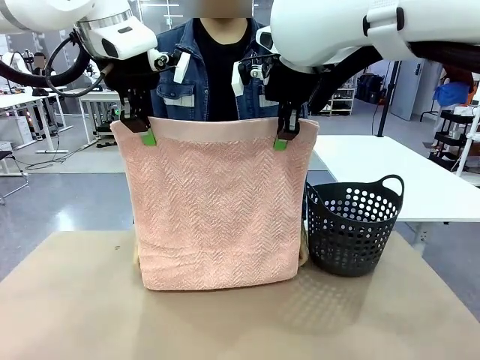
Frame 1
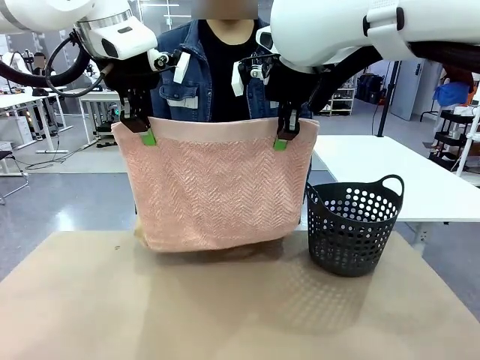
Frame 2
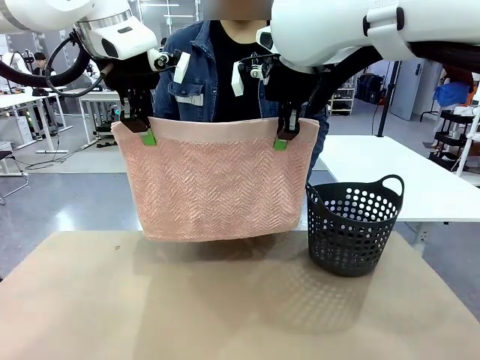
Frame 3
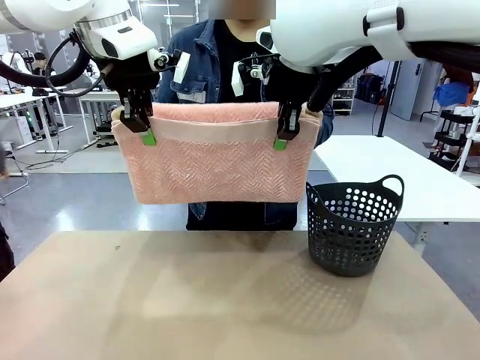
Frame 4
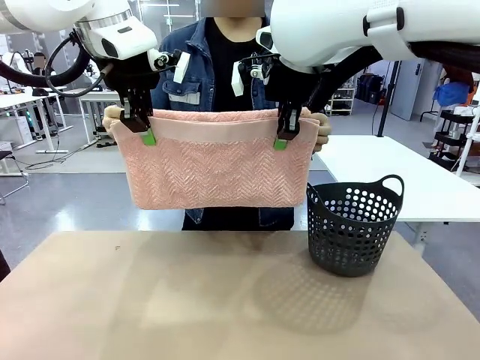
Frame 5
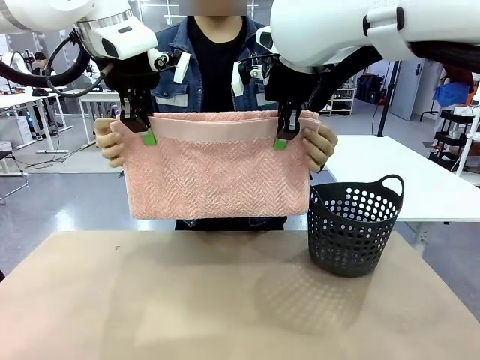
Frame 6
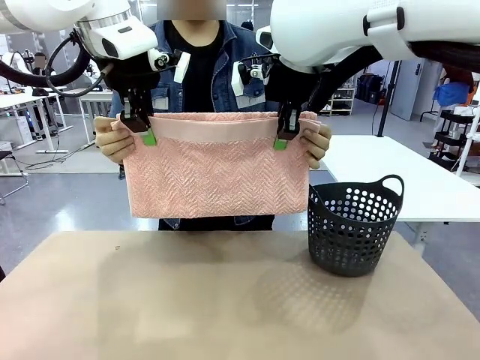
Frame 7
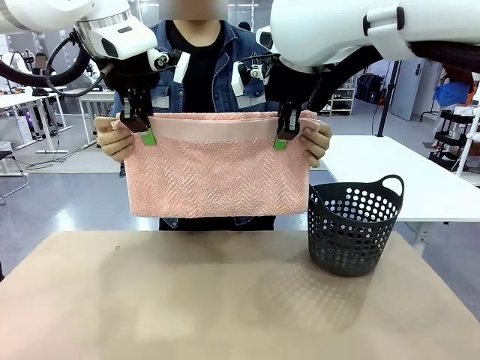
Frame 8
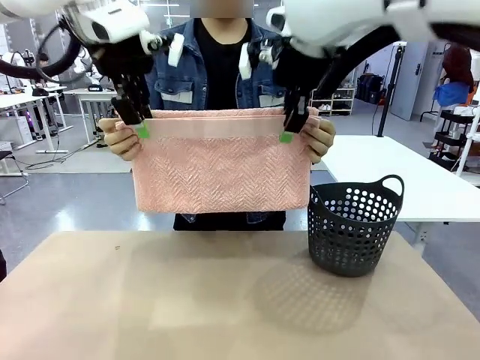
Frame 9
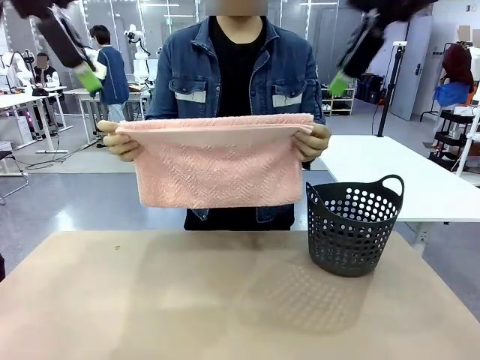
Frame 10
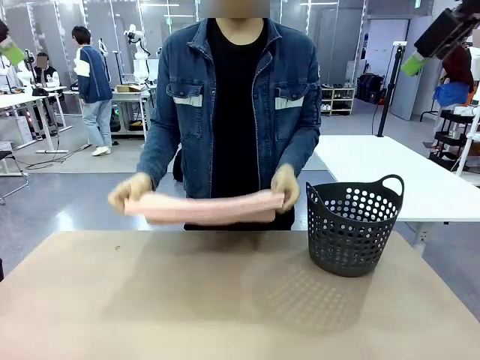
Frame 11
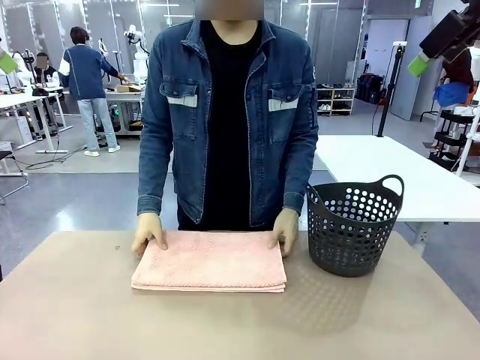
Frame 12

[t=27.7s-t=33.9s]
Task: Fold the towel.
Robot: Release the end of the 100 cm Hotel Towel you were holding.

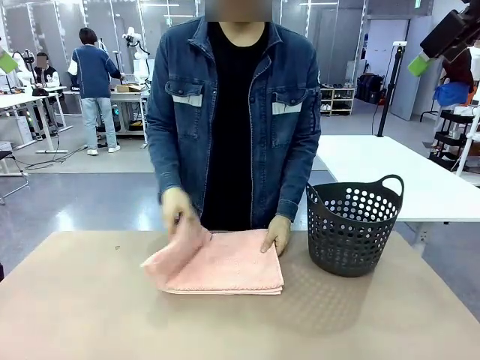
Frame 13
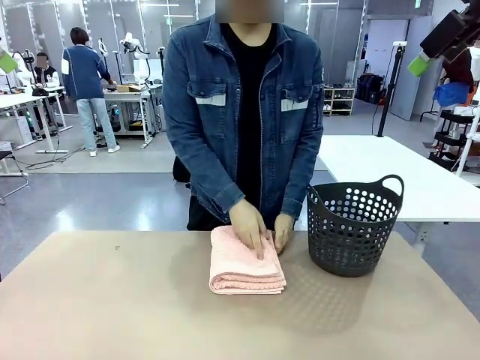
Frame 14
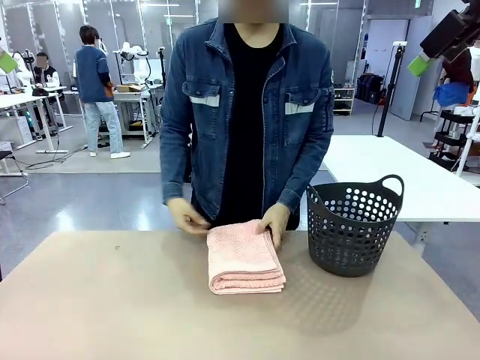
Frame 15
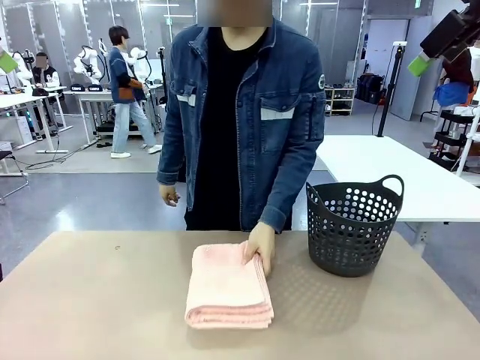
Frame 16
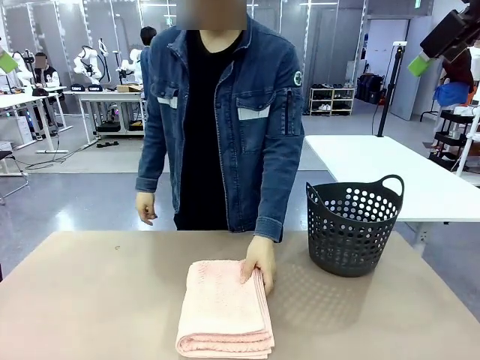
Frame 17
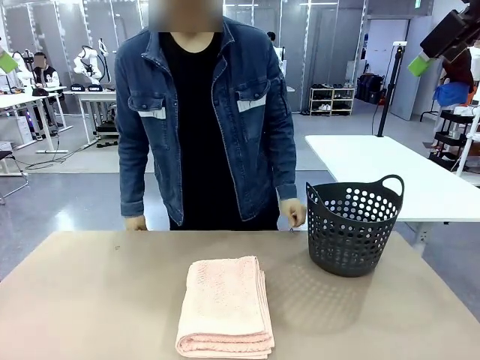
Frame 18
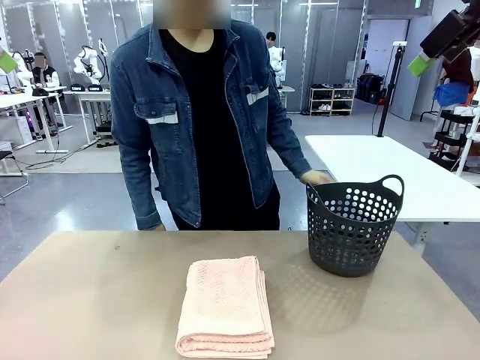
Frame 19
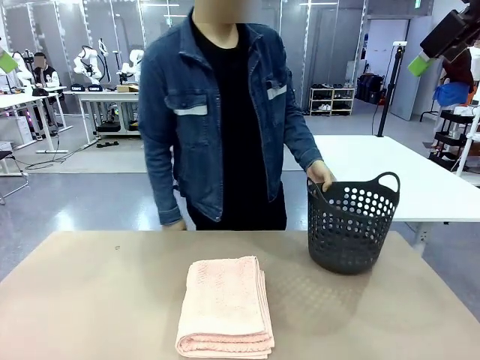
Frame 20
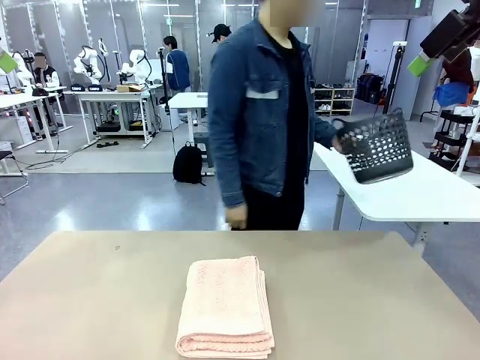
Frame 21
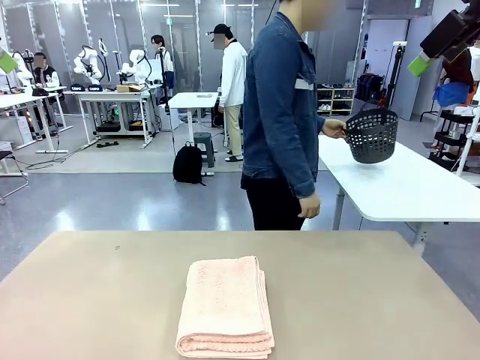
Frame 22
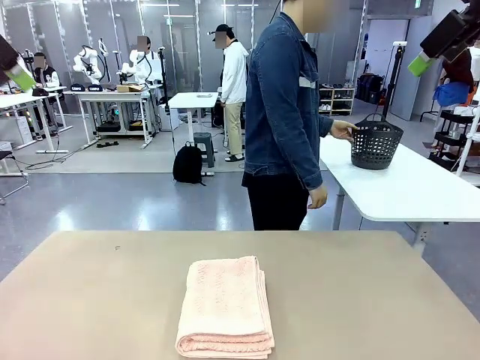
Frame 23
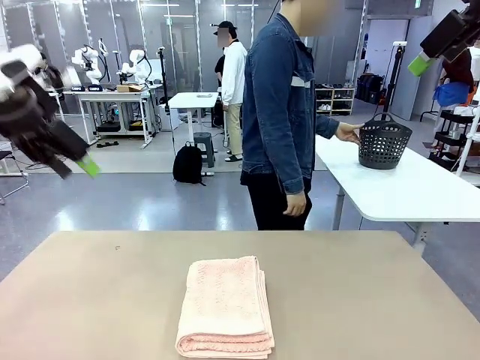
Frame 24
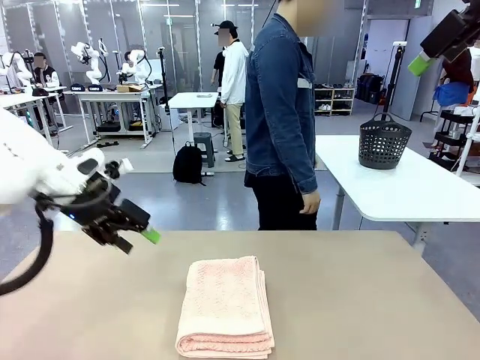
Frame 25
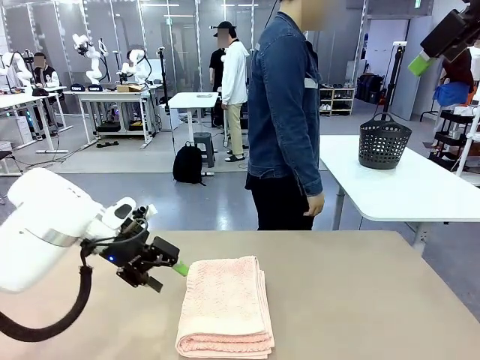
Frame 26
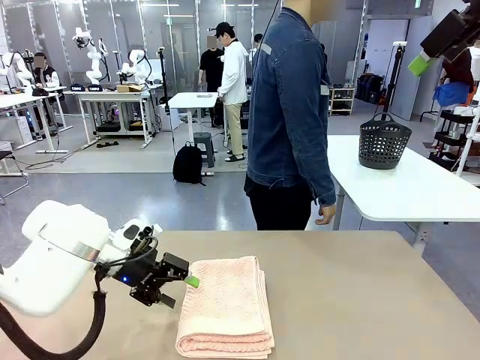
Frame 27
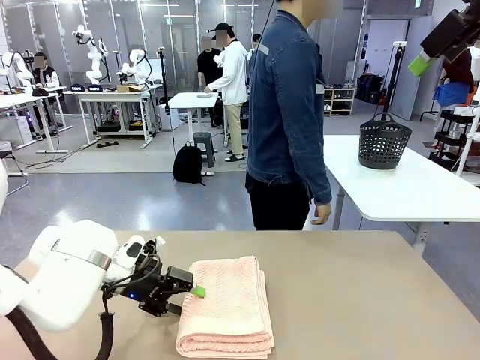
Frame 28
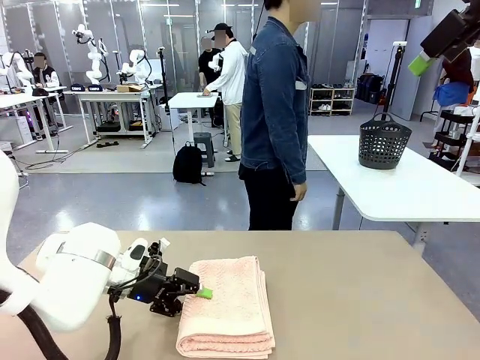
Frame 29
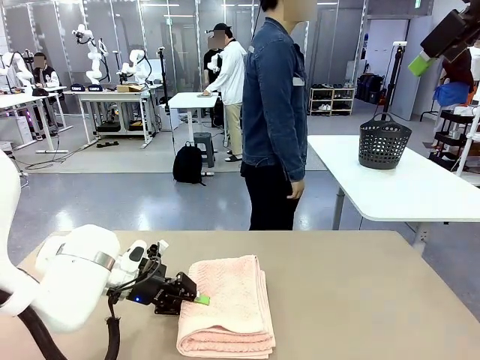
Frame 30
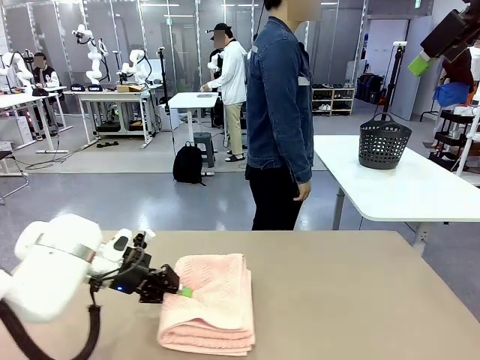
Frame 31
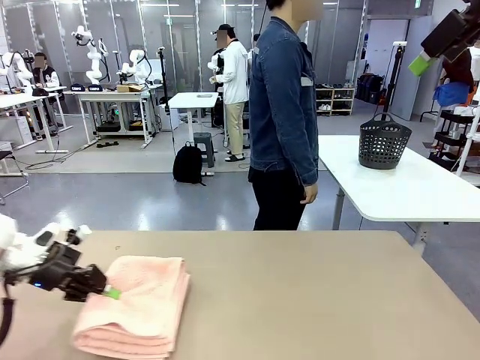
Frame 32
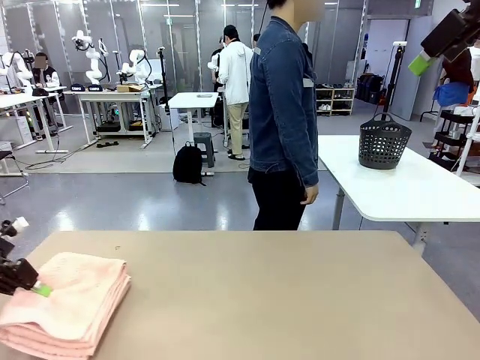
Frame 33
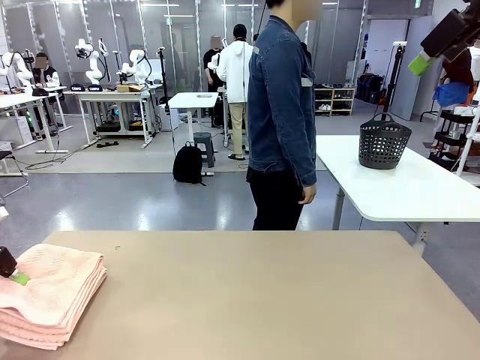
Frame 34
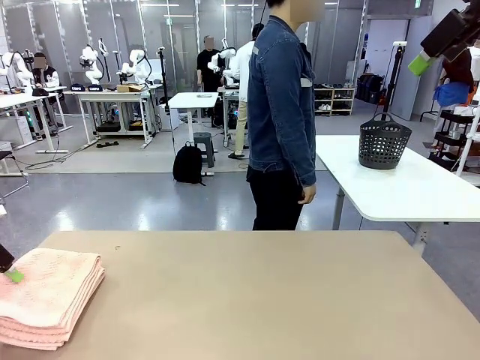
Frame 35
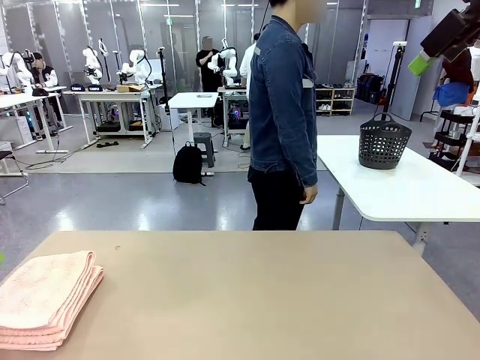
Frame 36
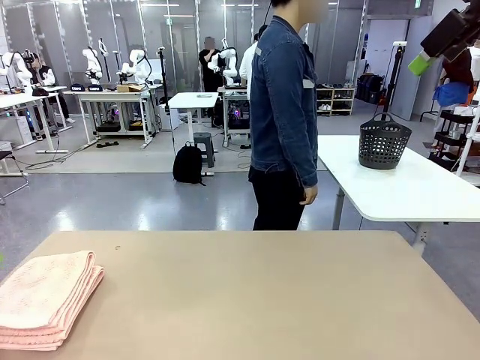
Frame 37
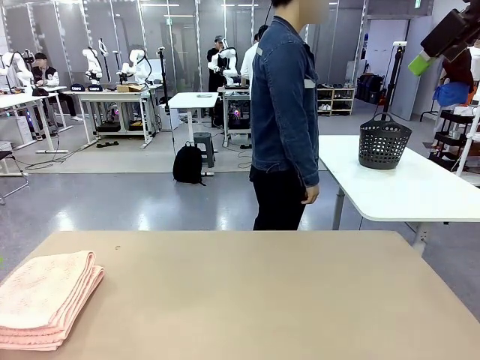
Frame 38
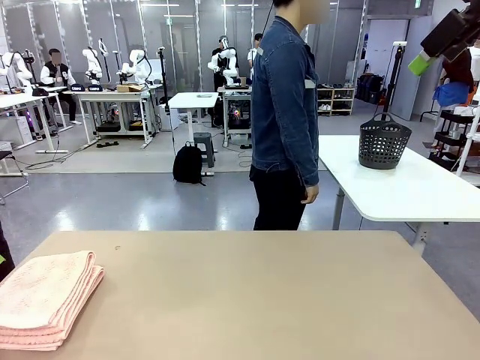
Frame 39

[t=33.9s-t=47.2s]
Robot: Pick up the 100 cm Hotel Towel and place it on the left side of the table.
Person: Place the towel at the center of the robot table and fold it in half. Pick up the laundry basket and place it at the center of the human table.

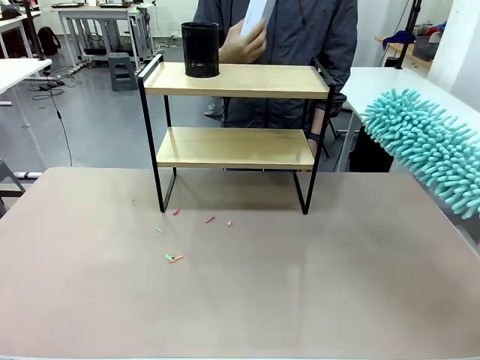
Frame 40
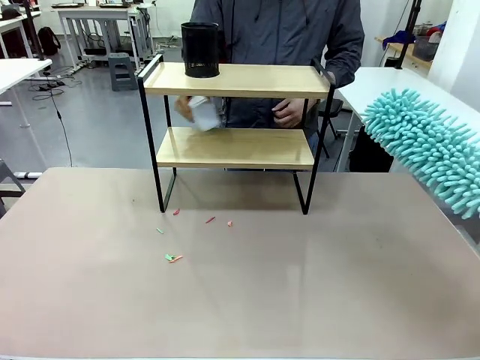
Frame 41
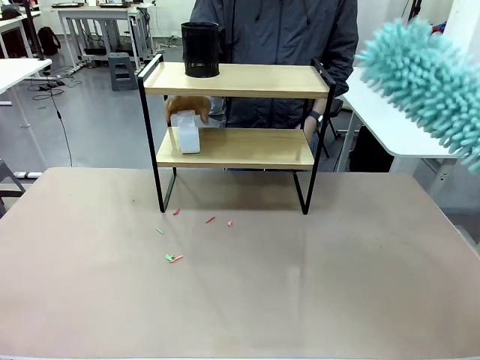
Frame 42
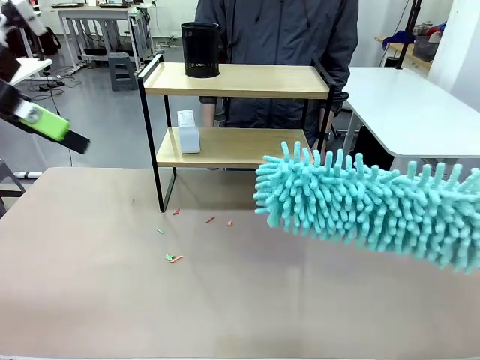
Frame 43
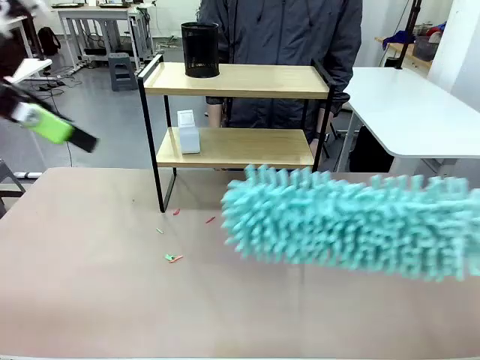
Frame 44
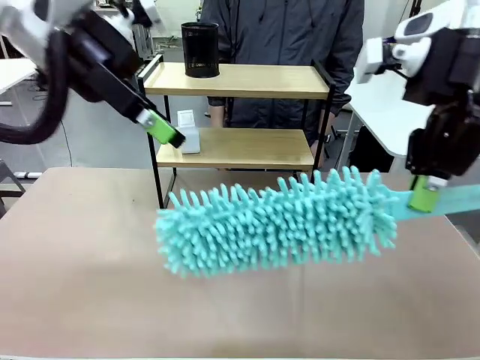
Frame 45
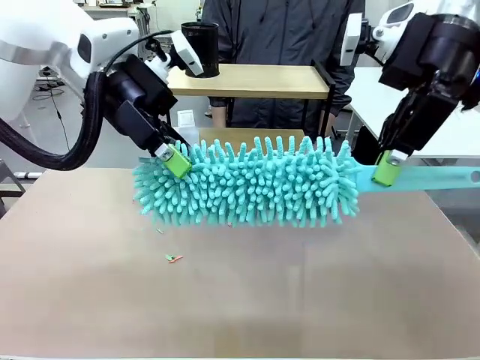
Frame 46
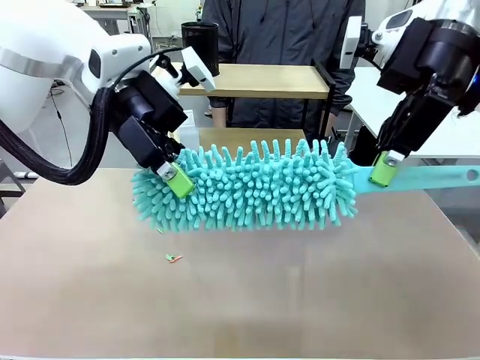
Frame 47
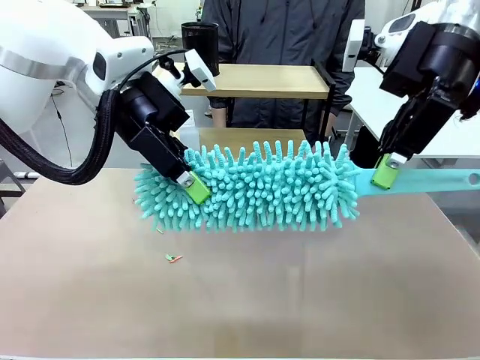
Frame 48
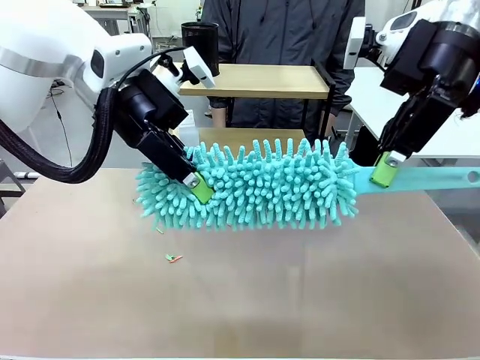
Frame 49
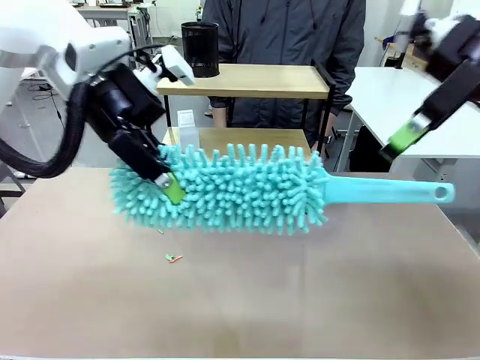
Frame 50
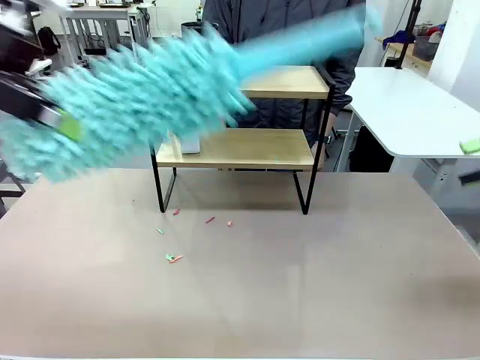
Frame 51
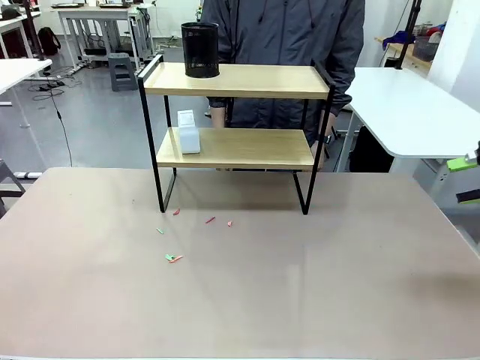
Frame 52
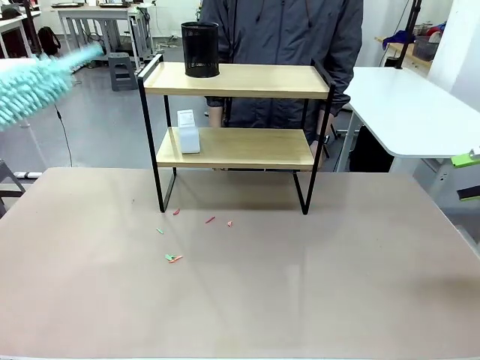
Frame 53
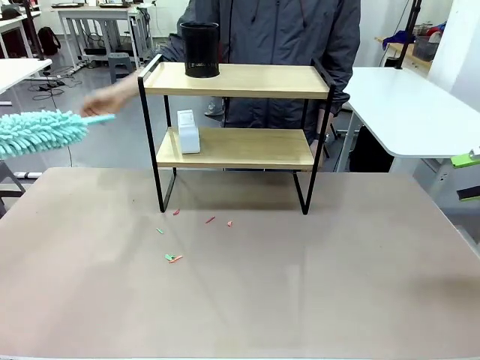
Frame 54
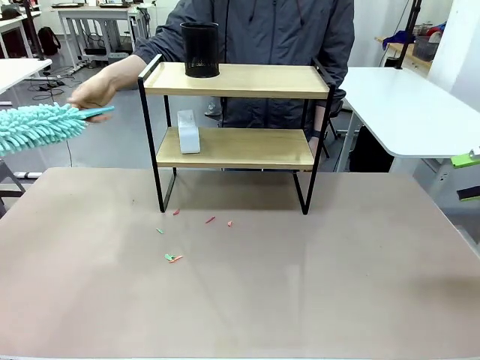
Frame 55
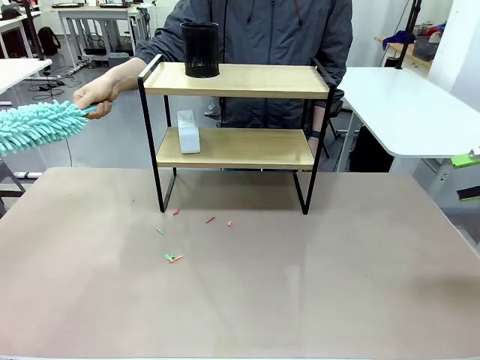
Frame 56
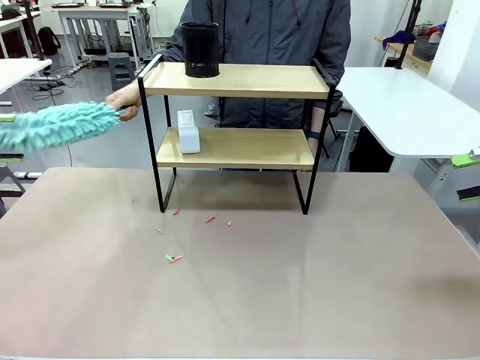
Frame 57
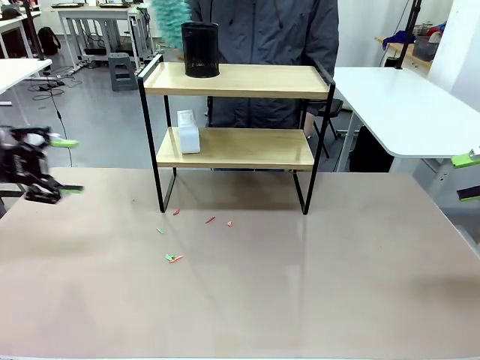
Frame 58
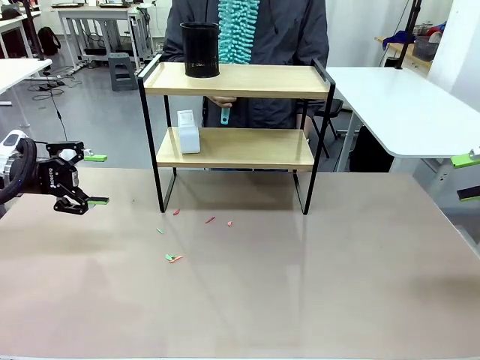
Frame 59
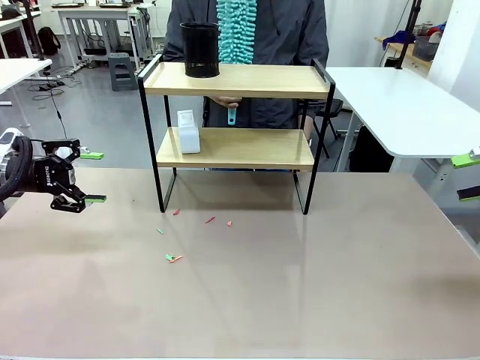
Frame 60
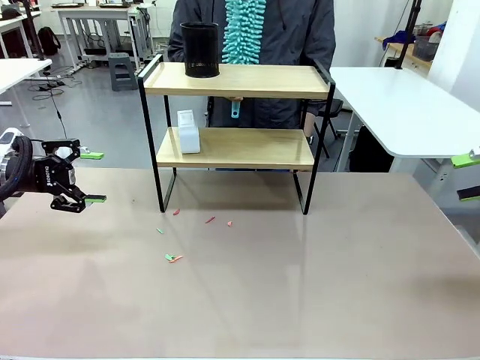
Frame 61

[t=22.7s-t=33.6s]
Task: Clean the shelf.
Robot: Hand the Duster back to the human.
Person: Receive the Duster from the robot.
